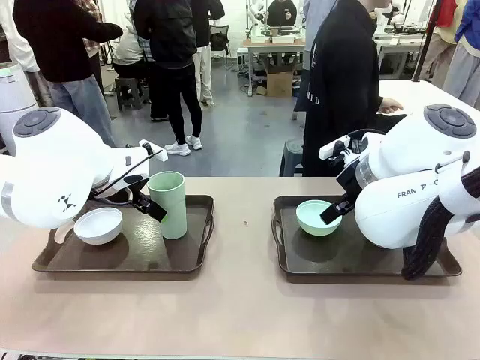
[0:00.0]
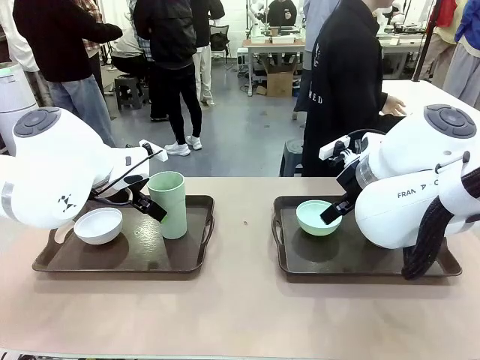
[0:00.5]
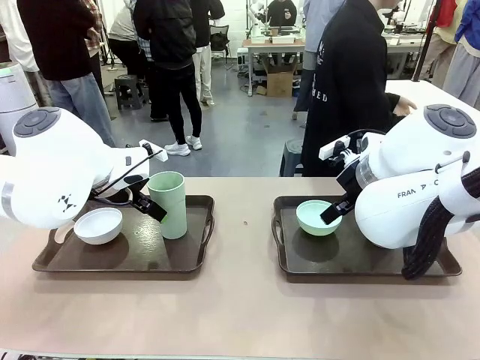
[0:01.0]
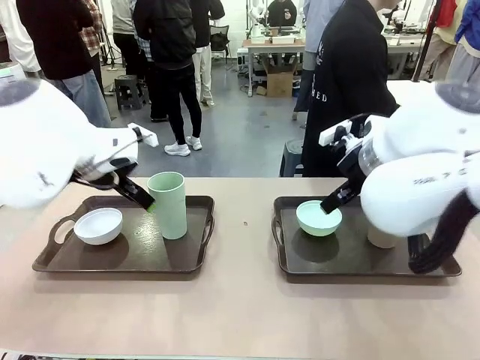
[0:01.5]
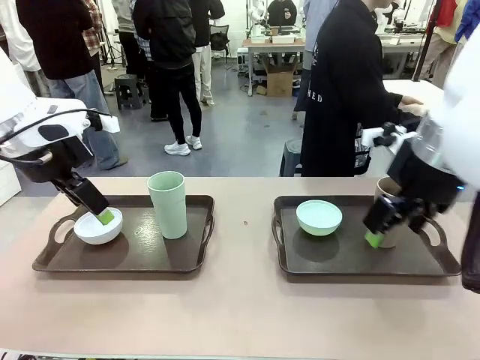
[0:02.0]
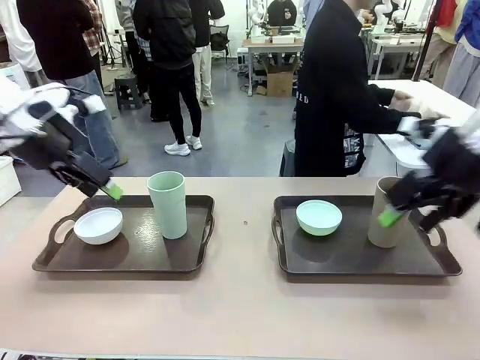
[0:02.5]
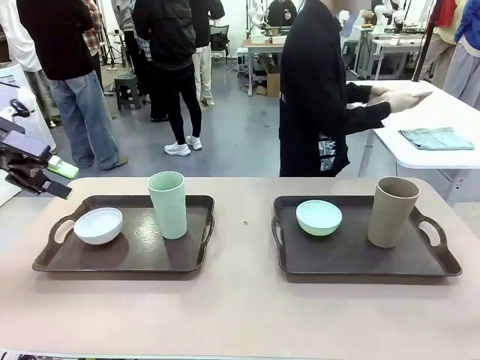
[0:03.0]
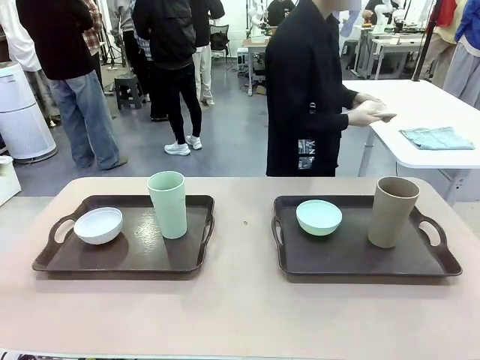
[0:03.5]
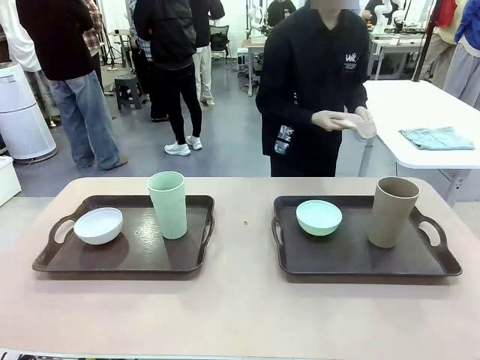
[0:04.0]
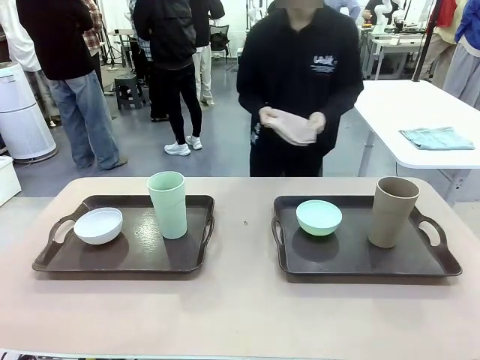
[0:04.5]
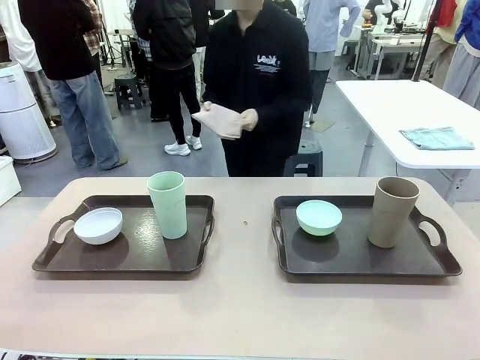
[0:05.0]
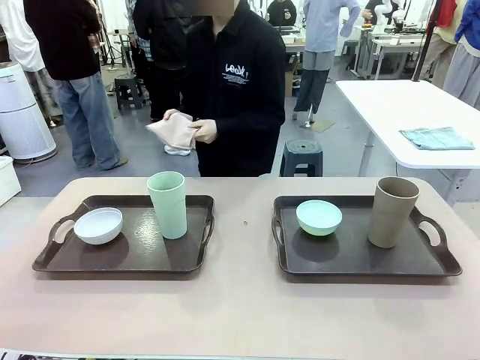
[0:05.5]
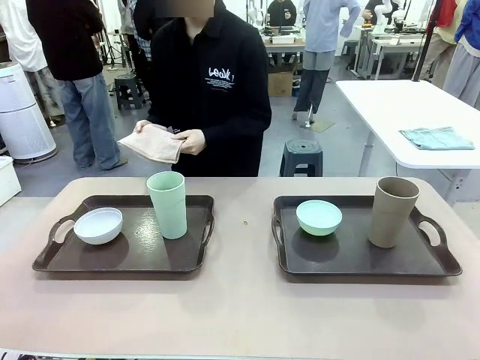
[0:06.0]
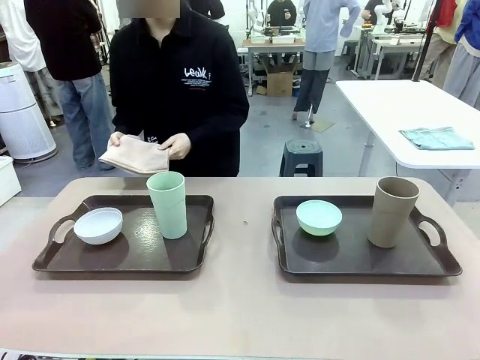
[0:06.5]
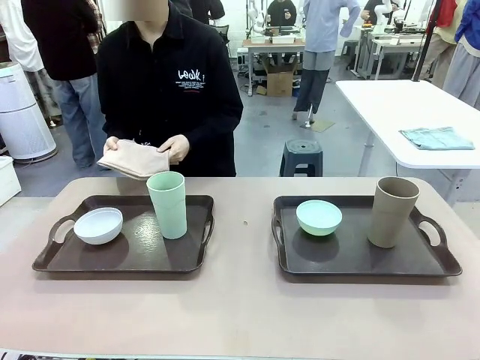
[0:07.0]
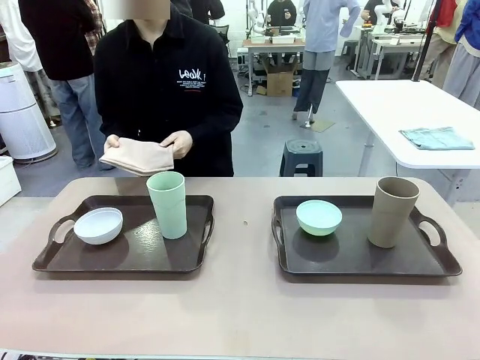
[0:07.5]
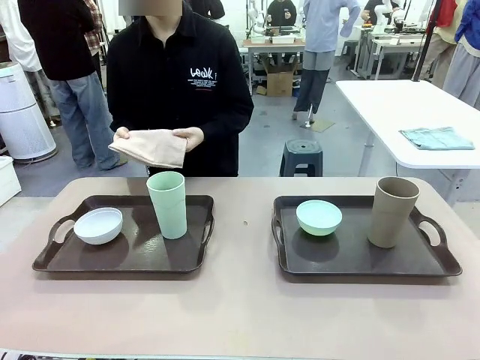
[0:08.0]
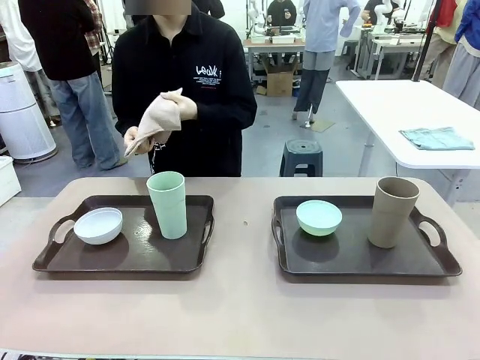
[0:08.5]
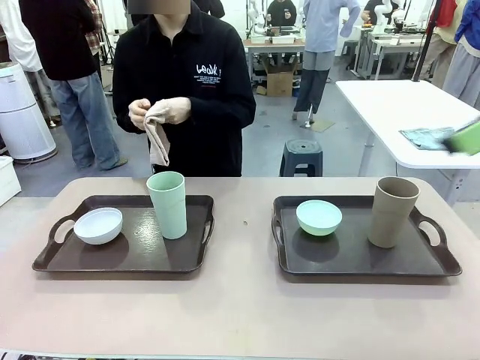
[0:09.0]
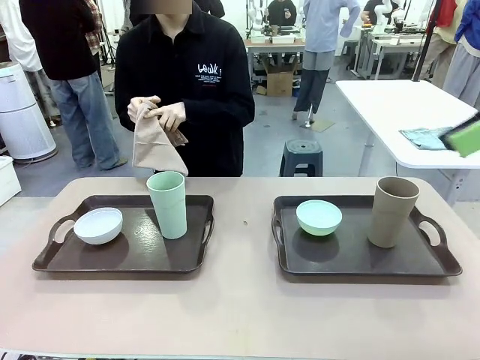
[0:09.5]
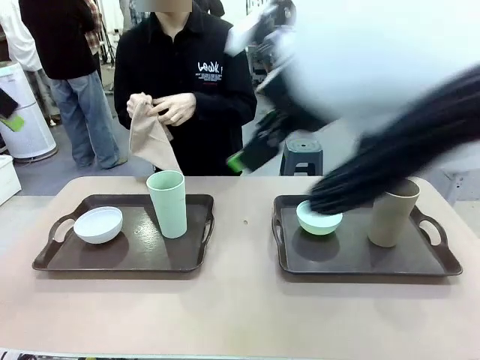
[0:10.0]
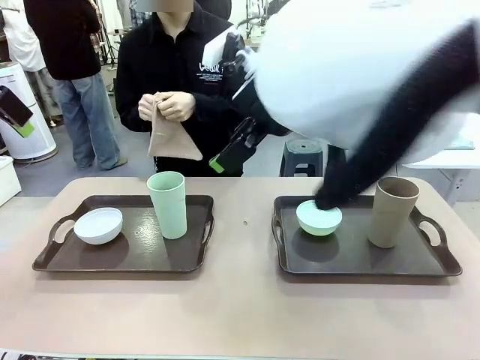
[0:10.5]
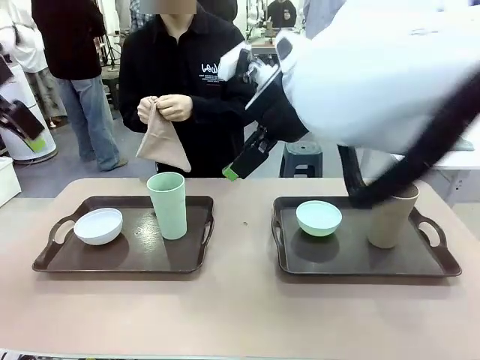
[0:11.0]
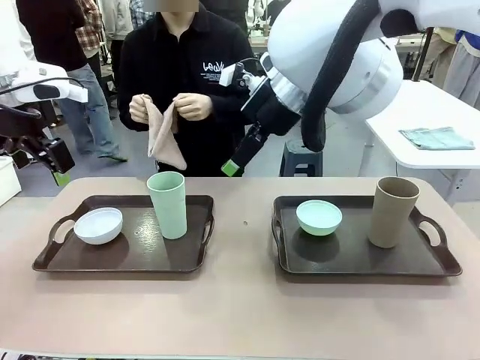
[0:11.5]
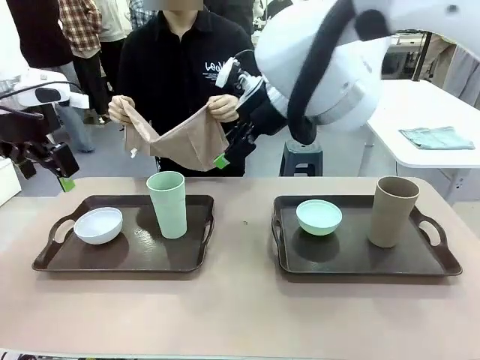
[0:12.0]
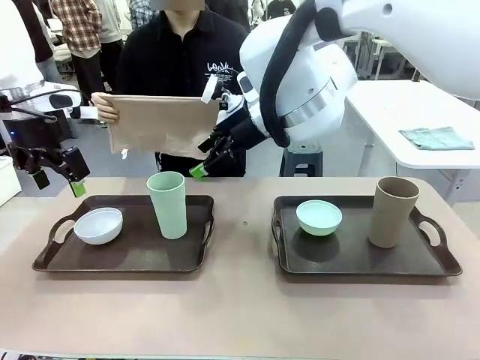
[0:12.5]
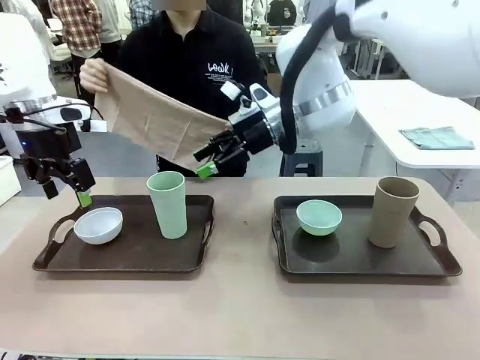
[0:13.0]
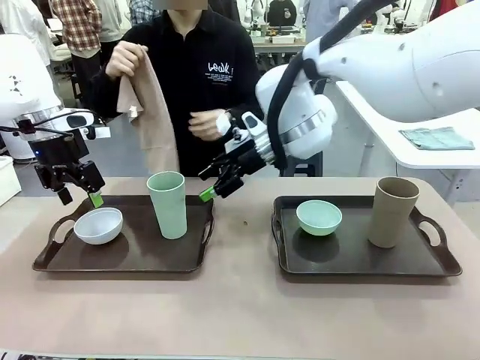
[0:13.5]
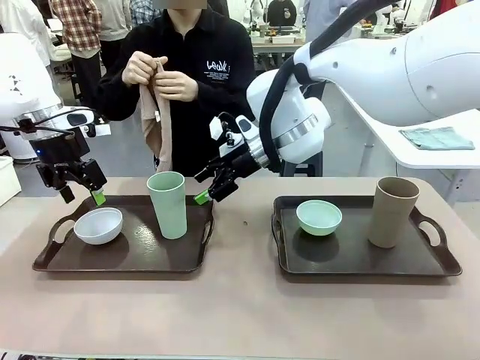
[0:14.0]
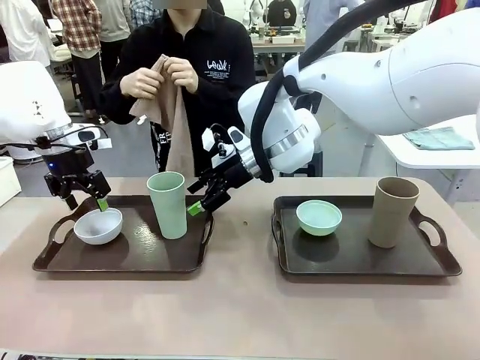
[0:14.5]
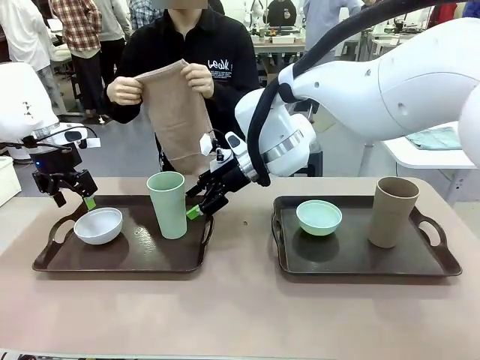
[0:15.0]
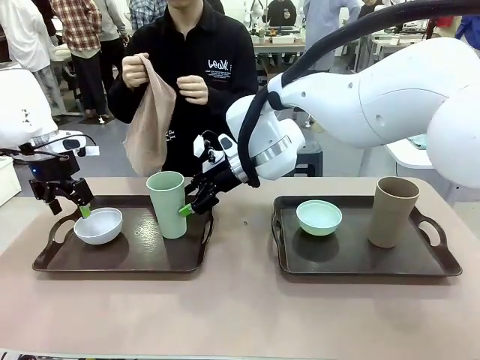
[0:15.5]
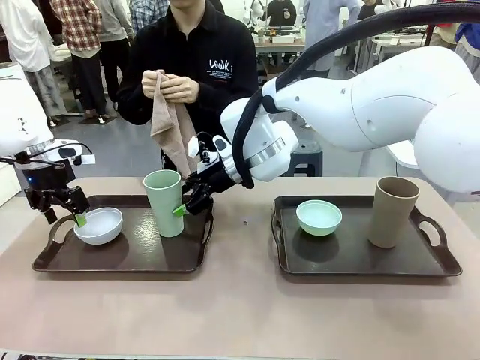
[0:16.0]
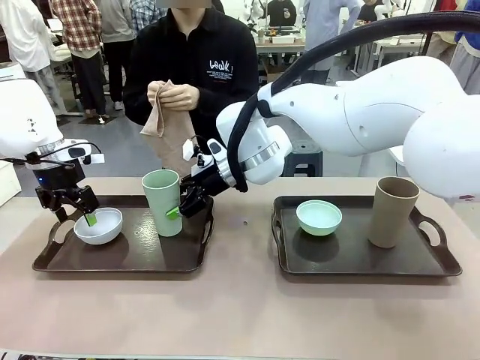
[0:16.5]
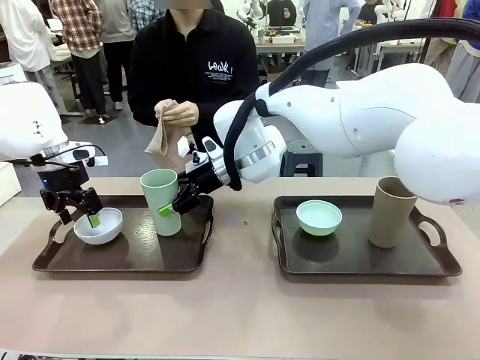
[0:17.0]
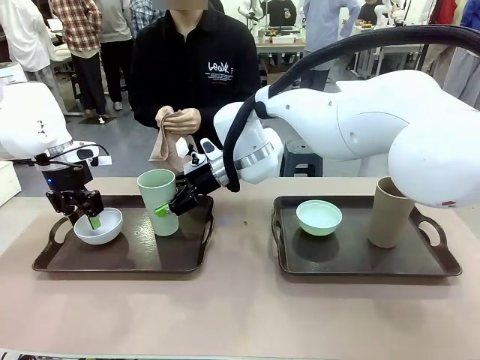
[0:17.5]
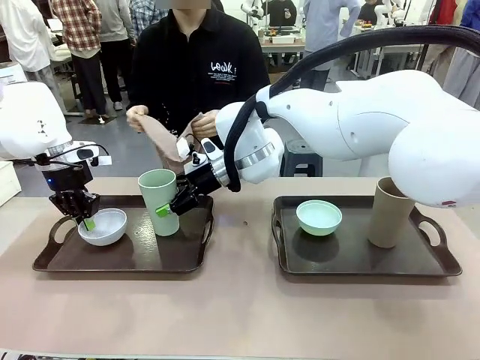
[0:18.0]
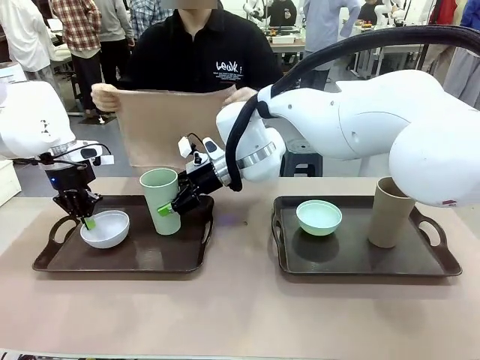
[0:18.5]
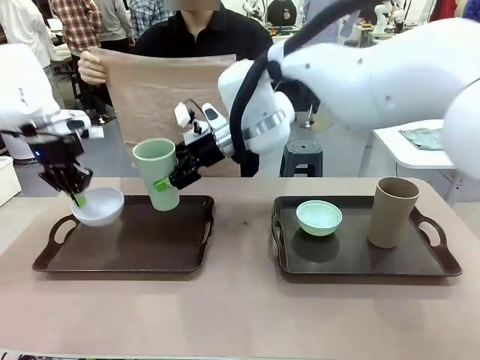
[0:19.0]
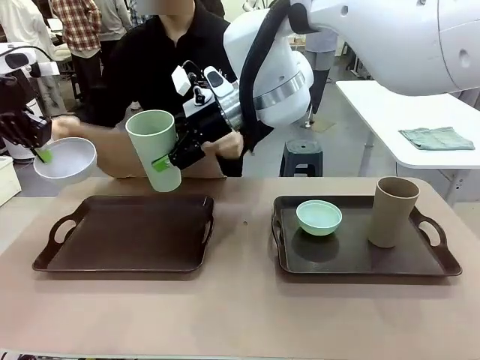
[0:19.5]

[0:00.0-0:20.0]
Robot: Pick up the Picnic Bowl and Reusable plastic cup from the Handle tray in front of the human's position and hold them in the air.
Person: The human picks up the top napkin from the stack on the human table and walks to the robot table to stand in front of one of the two trays. When the robot lifts the bowl and the cup, the human unfolds the napkin and lays the napkin flat on the tray.

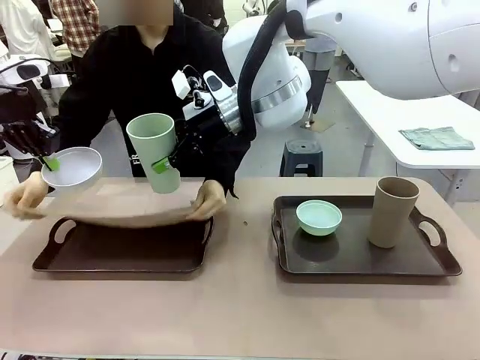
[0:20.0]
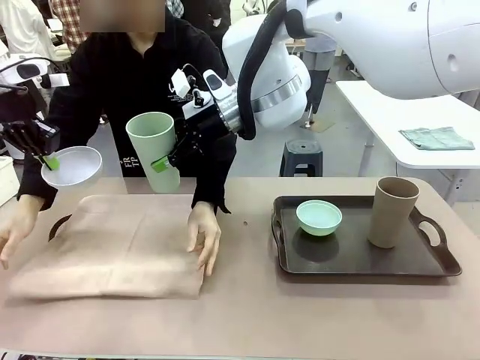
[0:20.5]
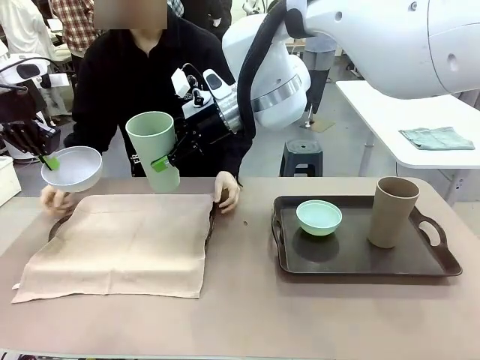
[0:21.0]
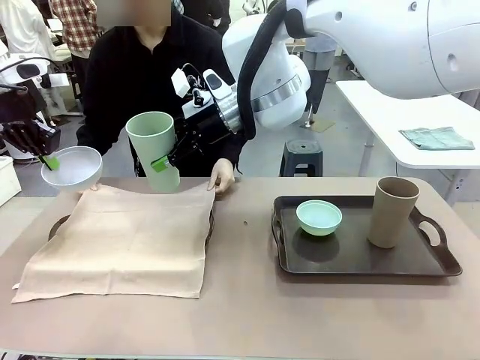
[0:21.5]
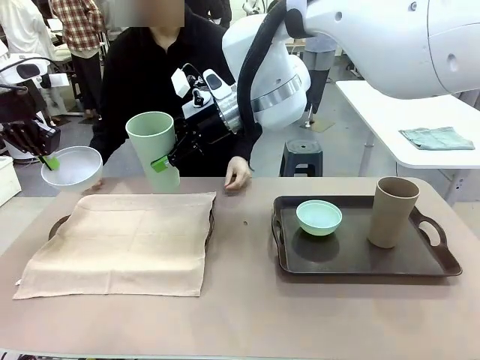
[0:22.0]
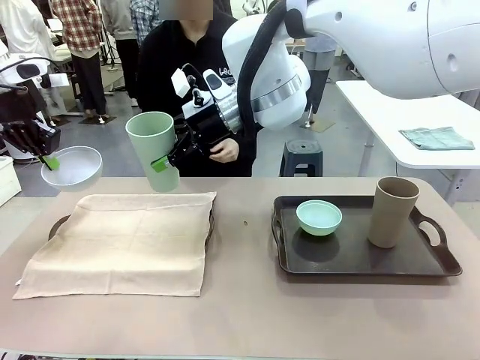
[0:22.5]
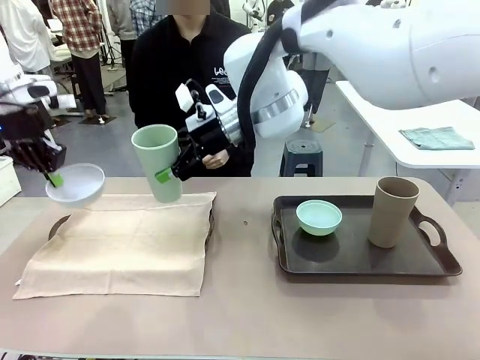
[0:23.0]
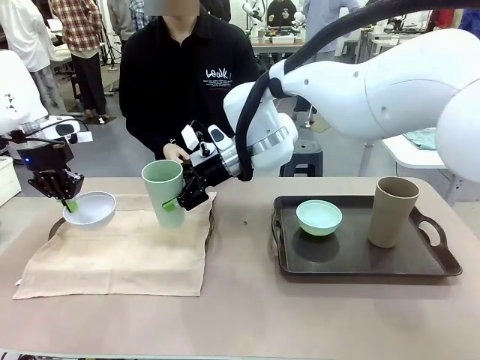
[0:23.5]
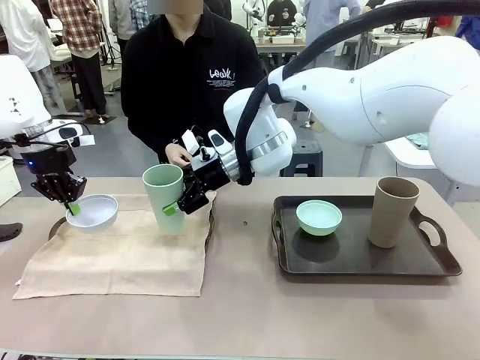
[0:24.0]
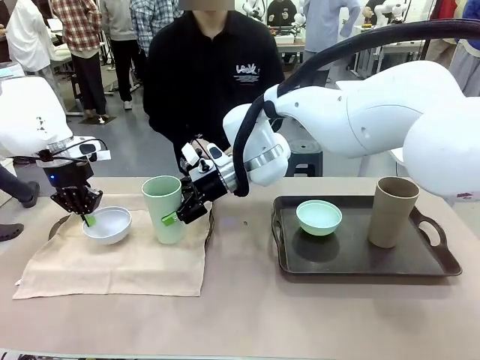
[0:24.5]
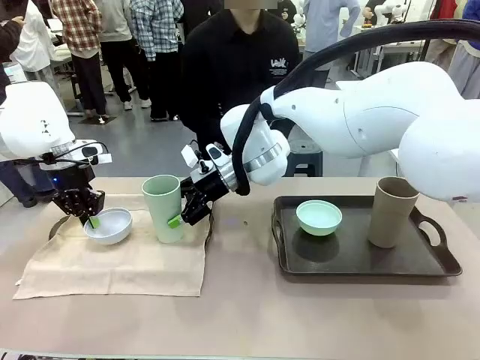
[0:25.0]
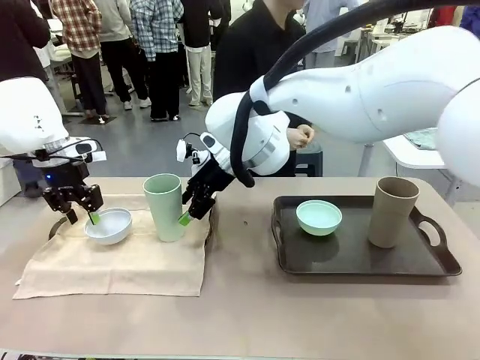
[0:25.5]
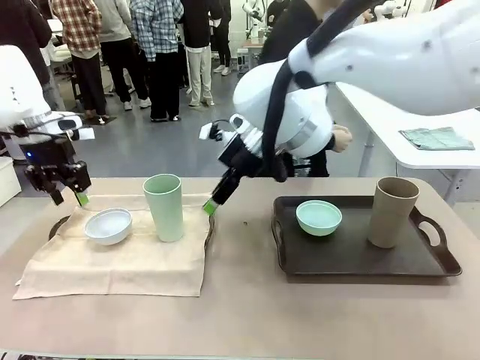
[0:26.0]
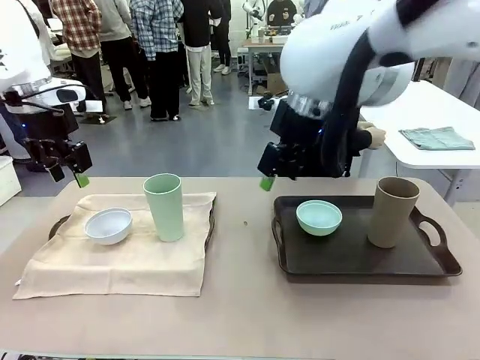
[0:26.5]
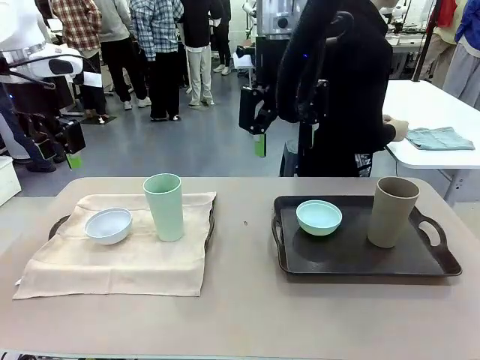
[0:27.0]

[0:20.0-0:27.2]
Robot: Place the Picnic Bowl and Reusable plastic cup back onto the Handle tray in front of the human's position.
